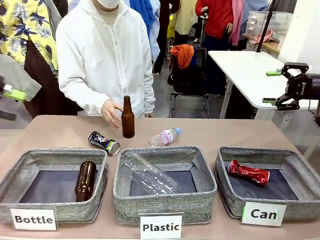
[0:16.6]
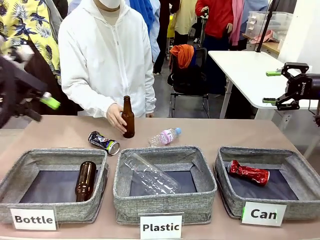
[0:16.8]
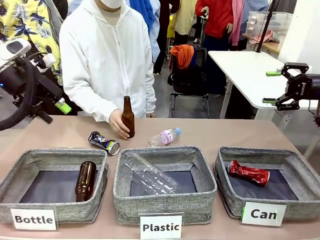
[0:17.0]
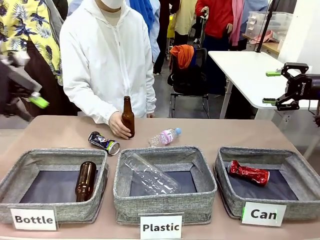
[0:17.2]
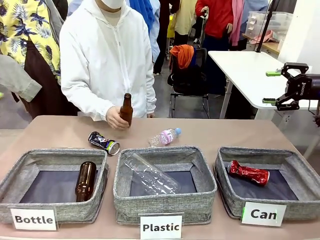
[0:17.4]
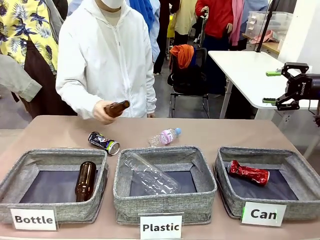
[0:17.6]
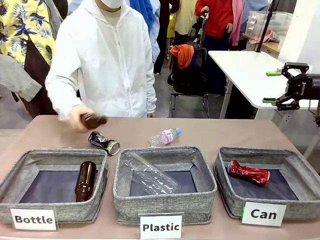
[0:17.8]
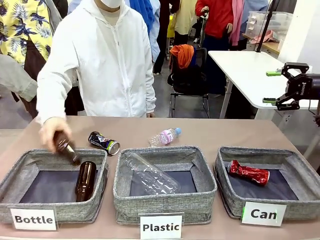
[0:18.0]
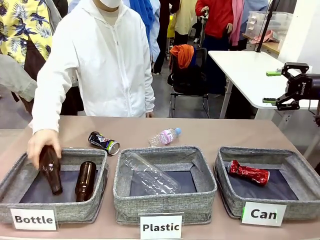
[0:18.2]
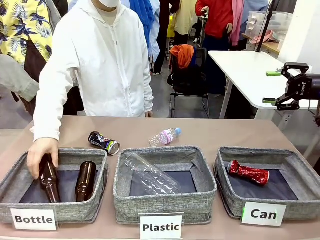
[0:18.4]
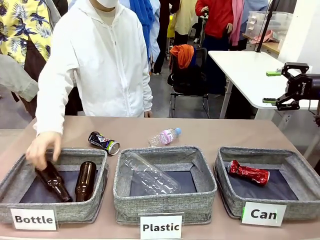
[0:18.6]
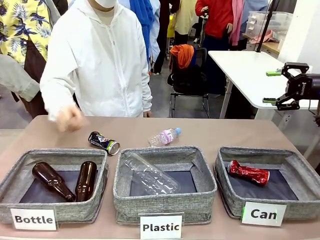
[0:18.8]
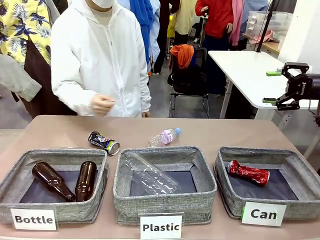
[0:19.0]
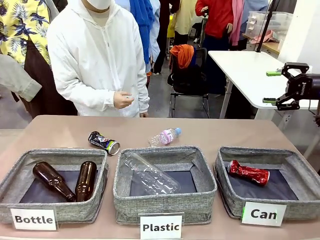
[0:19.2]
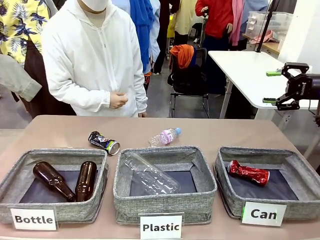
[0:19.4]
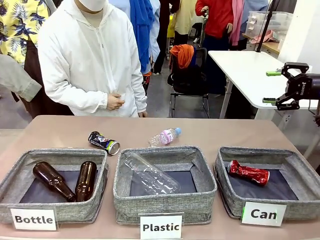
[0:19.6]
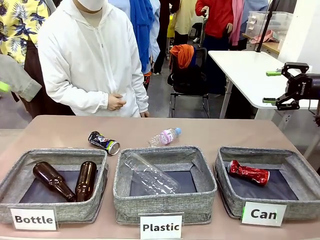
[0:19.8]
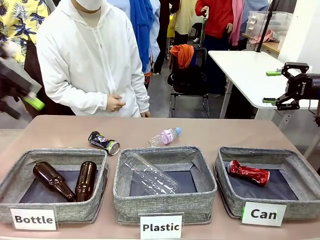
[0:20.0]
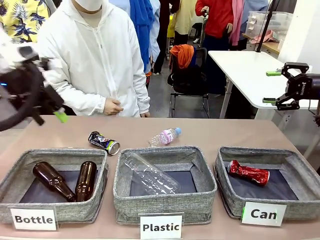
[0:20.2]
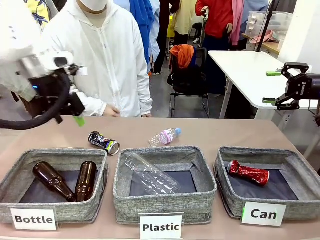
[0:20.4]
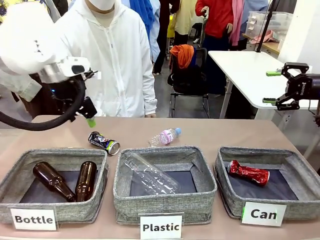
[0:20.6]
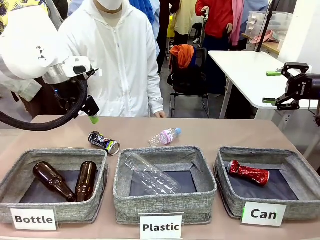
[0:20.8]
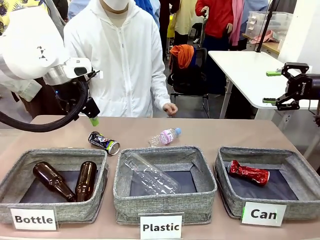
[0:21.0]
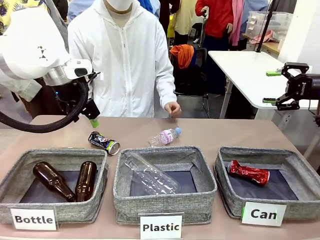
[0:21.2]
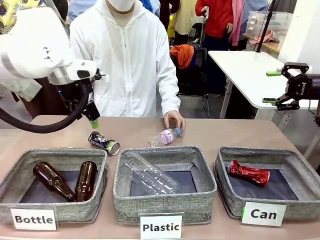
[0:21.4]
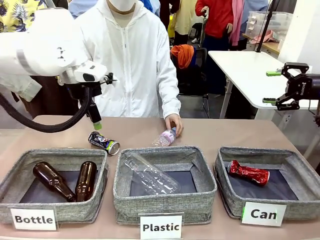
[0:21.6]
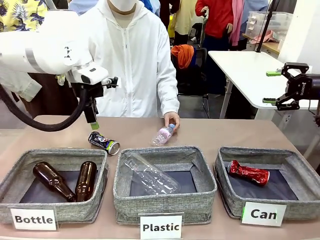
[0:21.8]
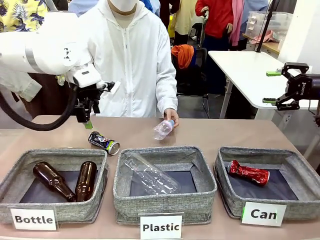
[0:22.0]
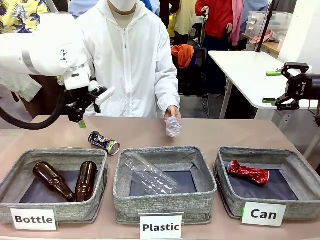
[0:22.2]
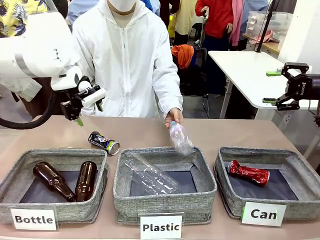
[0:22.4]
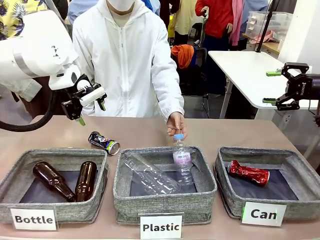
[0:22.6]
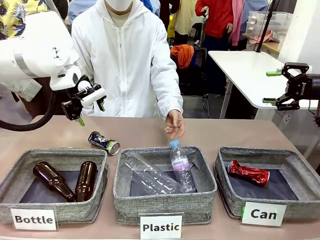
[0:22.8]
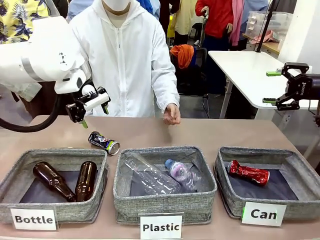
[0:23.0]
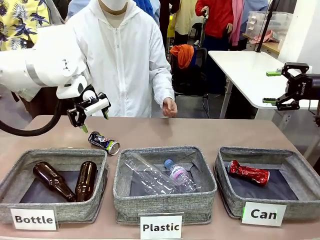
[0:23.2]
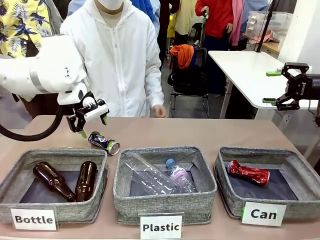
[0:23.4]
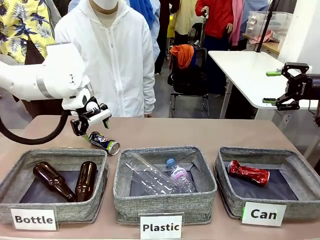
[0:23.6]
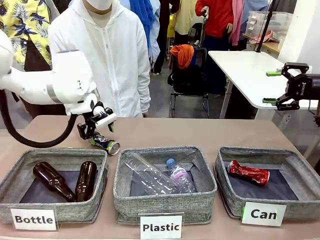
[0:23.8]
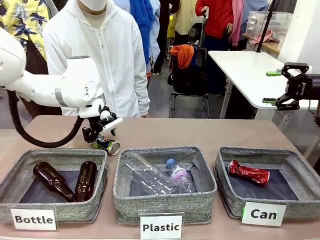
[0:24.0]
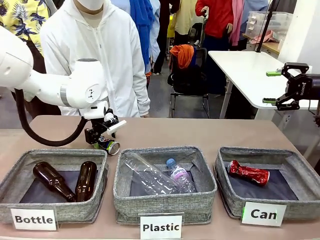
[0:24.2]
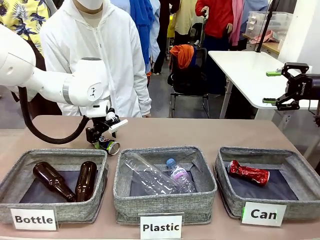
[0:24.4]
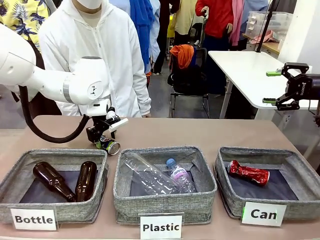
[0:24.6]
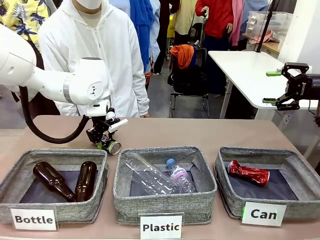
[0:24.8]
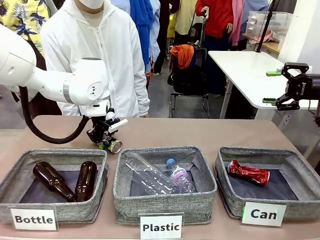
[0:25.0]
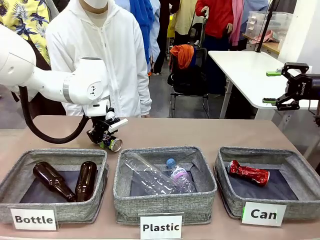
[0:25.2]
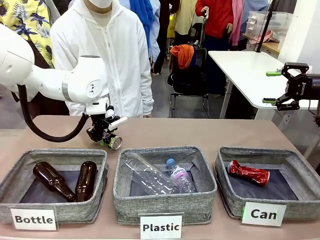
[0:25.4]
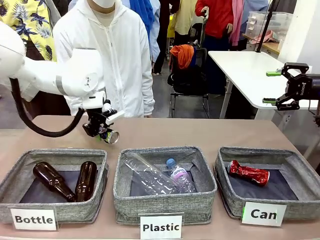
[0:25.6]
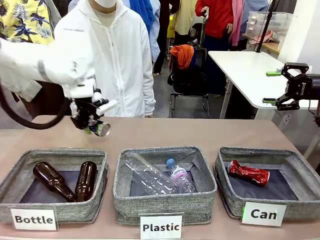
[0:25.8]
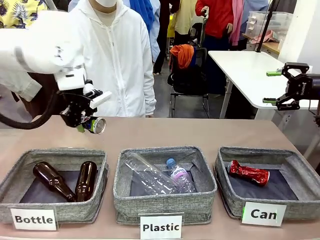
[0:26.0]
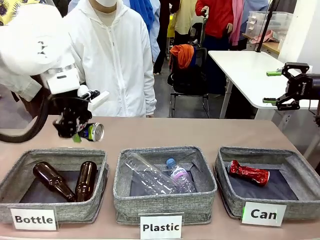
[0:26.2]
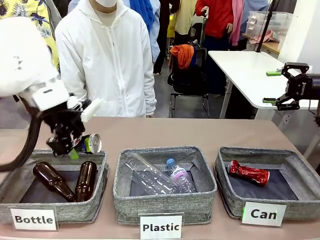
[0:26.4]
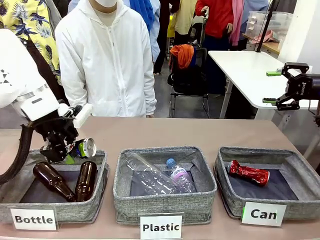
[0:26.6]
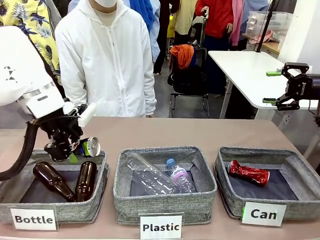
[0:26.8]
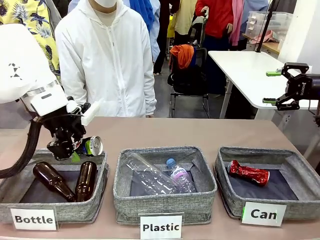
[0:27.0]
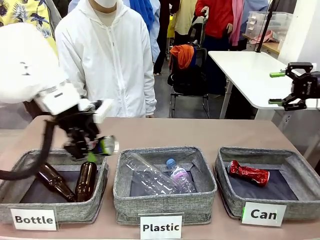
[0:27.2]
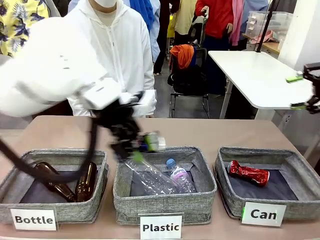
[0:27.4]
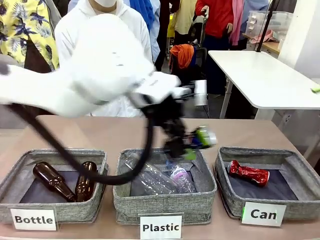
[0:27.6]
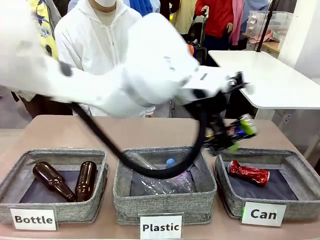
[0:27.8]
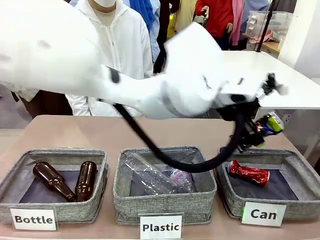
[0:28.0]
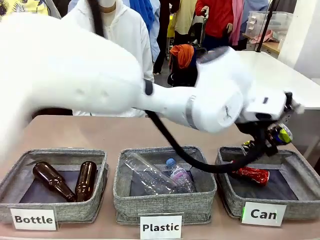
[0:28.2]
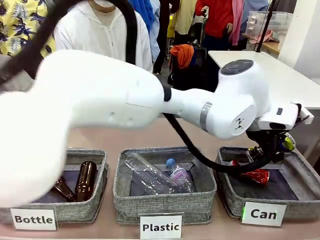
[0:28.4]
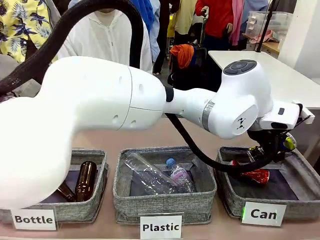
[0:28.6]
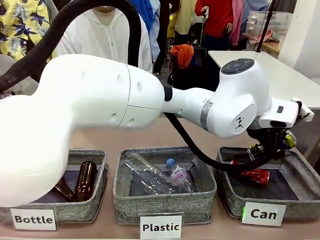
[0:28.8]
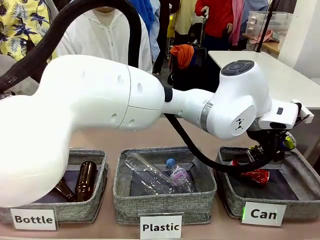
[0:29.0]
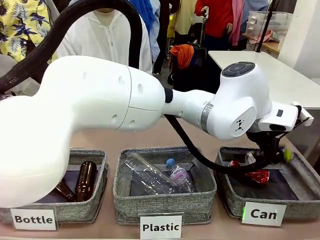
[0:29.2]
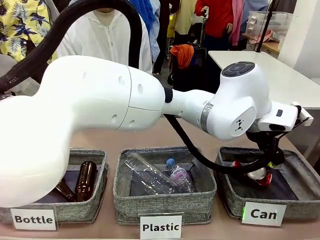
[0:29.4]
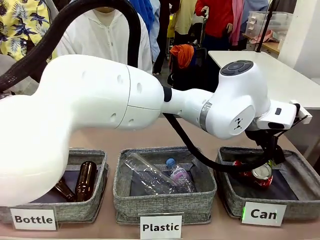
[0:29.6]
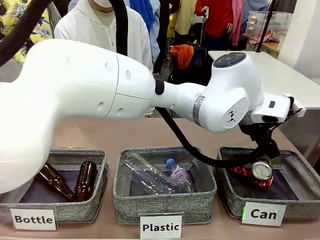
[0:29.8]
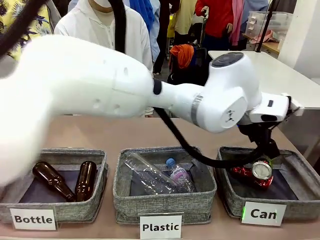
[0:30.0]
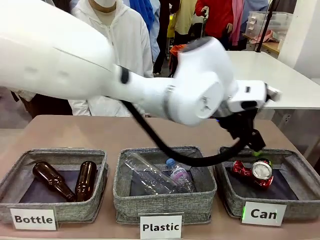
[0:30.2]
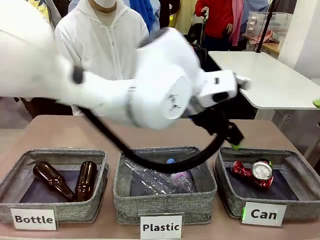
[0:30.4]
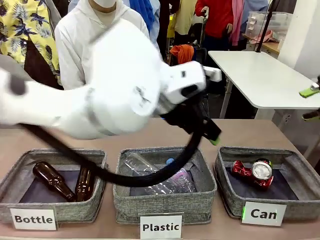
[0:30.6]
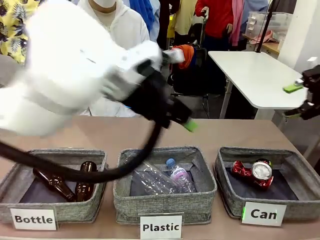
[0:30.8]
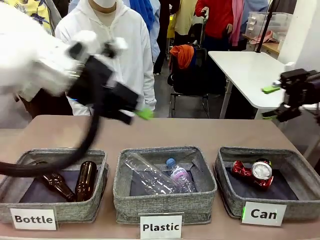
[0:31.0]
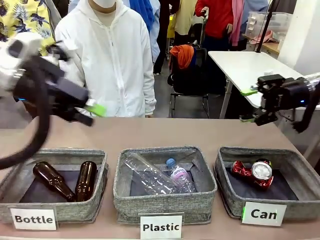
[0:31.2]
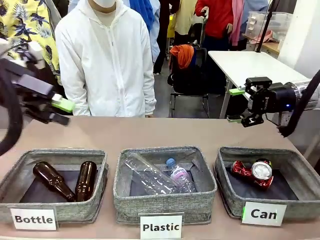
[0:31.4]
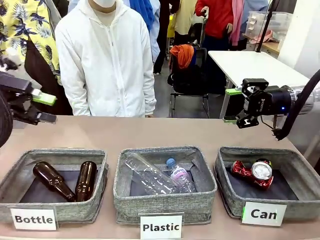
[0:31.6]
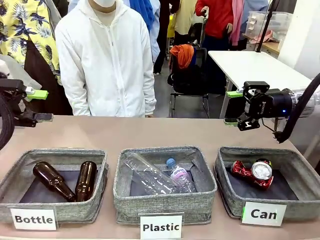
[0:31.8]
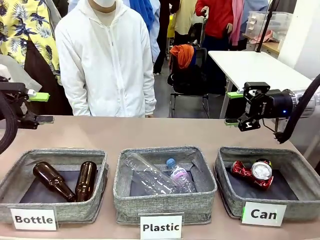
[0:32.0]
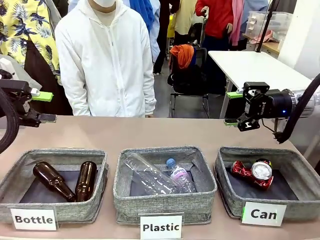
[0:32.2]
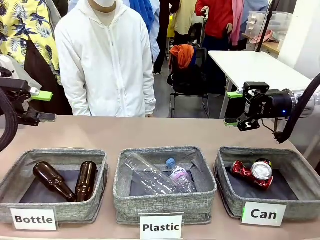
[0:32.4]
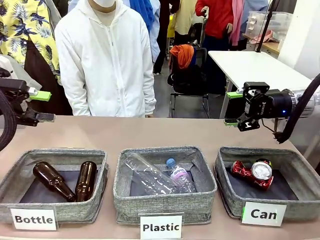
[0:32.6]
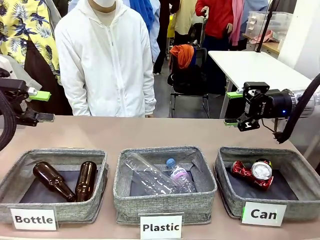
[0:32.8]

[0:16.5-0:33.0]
Task: Sort the can waste into the basket.
Robot: Pick up the can waste from the table and place it in the right Fabric basket.
